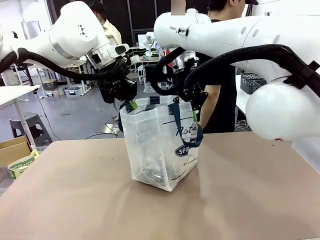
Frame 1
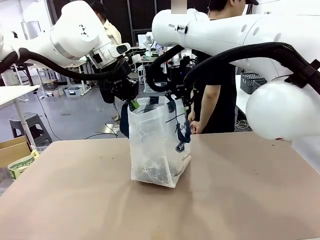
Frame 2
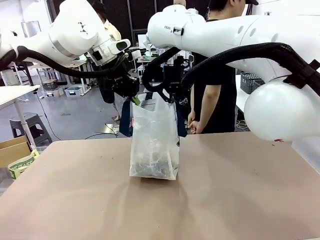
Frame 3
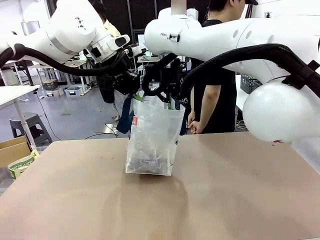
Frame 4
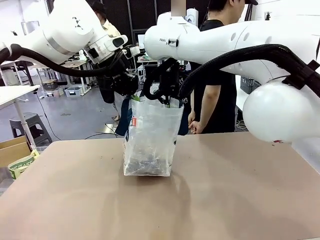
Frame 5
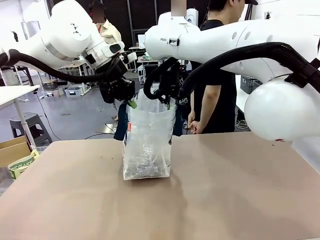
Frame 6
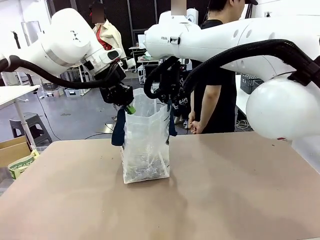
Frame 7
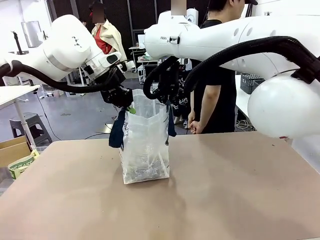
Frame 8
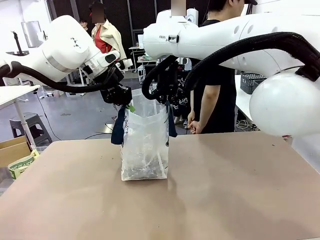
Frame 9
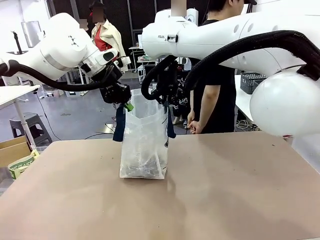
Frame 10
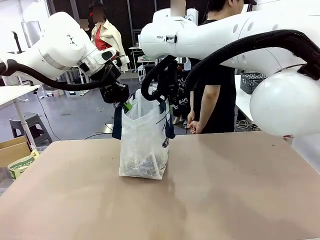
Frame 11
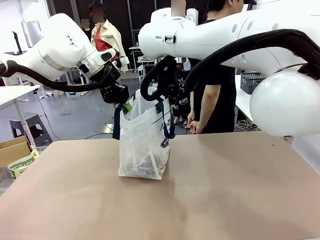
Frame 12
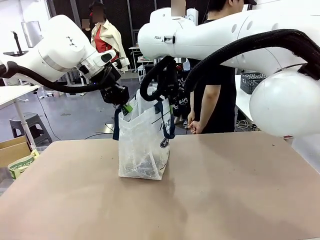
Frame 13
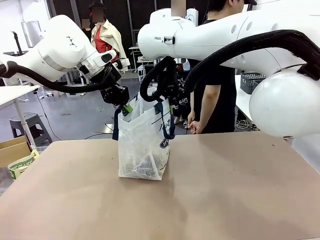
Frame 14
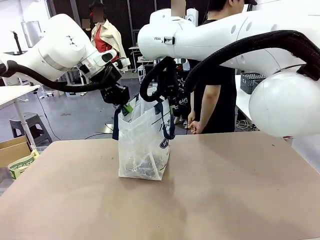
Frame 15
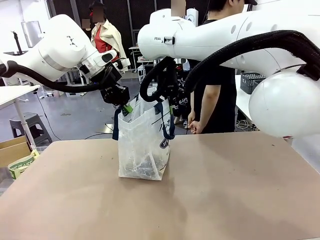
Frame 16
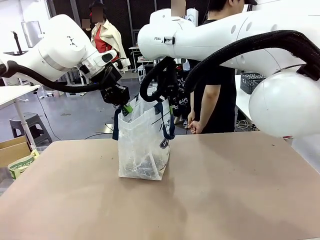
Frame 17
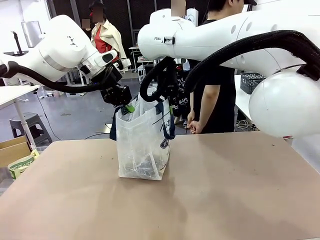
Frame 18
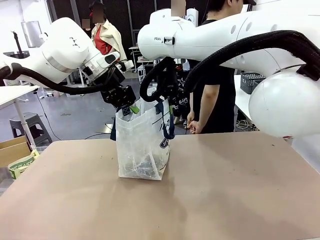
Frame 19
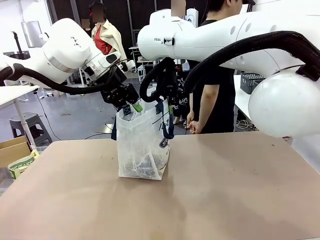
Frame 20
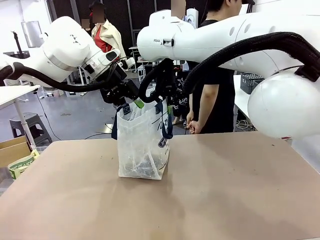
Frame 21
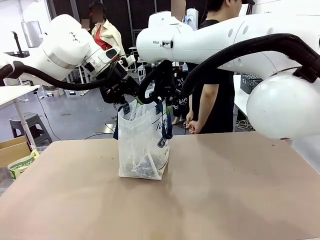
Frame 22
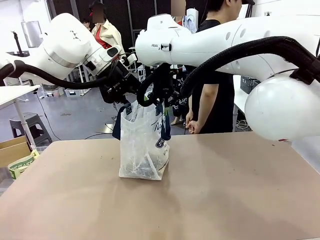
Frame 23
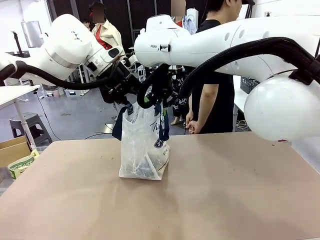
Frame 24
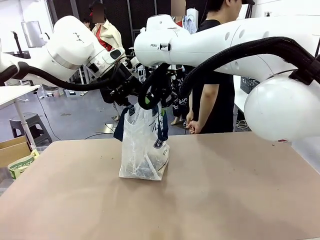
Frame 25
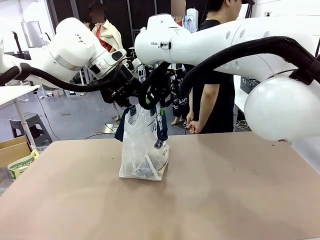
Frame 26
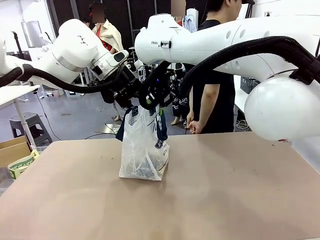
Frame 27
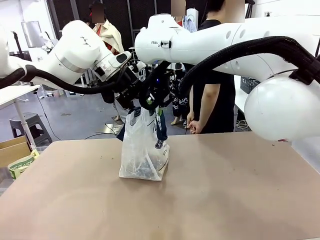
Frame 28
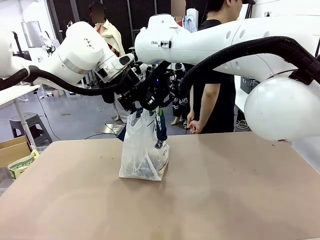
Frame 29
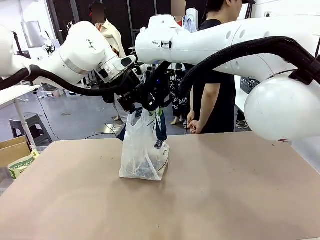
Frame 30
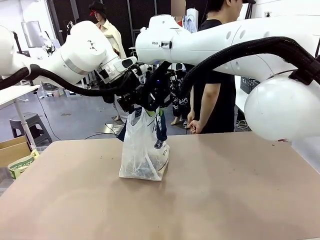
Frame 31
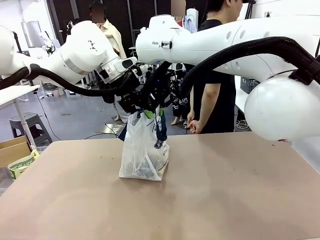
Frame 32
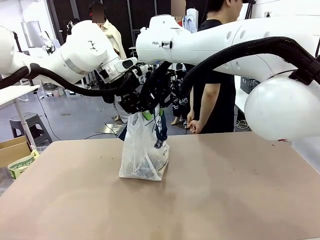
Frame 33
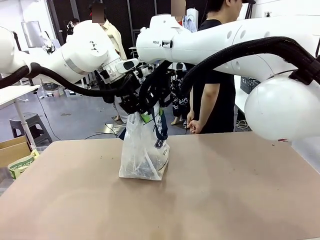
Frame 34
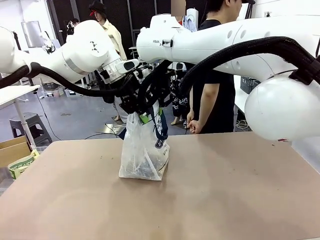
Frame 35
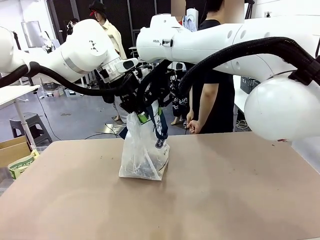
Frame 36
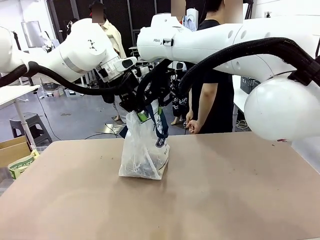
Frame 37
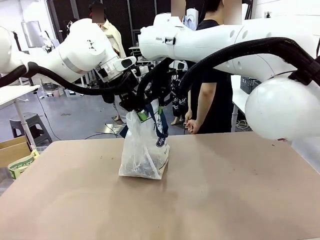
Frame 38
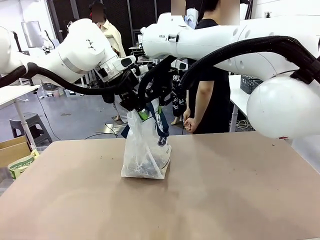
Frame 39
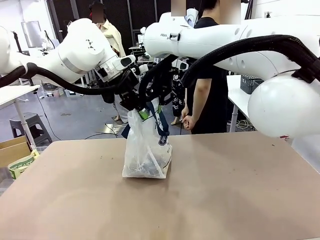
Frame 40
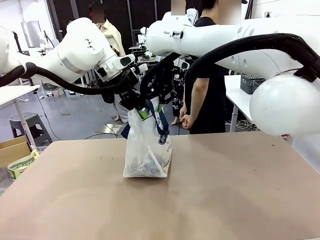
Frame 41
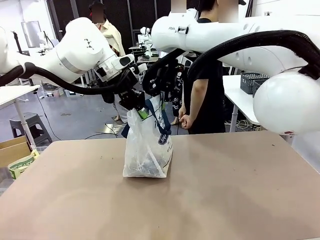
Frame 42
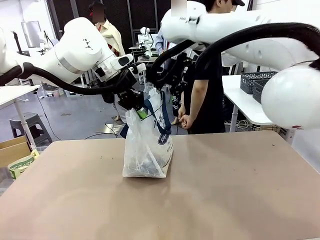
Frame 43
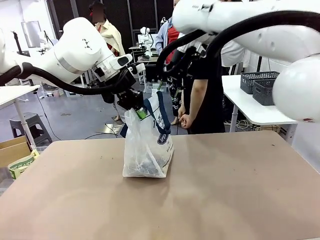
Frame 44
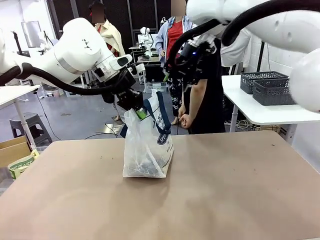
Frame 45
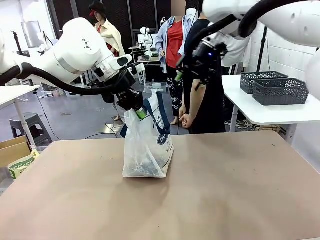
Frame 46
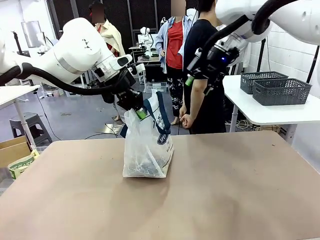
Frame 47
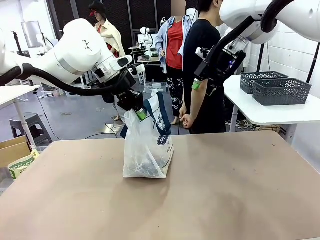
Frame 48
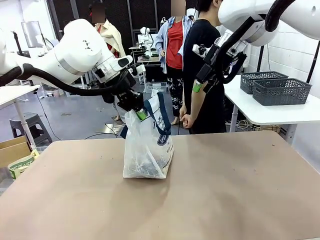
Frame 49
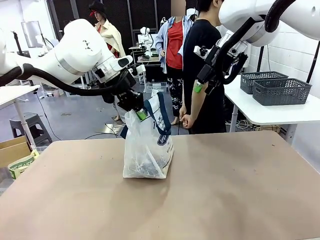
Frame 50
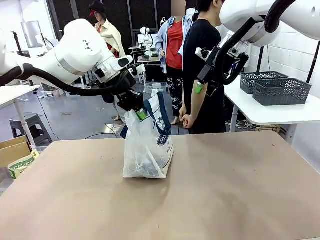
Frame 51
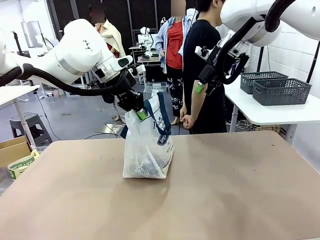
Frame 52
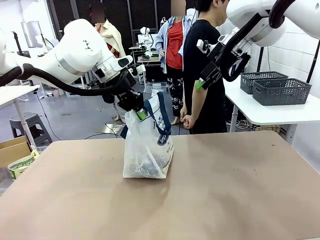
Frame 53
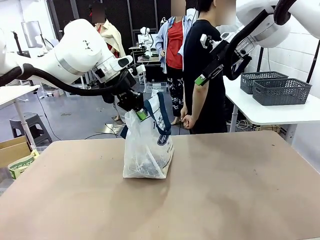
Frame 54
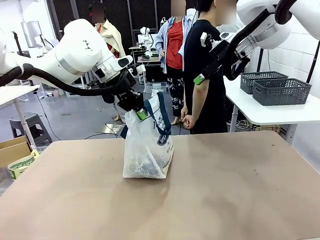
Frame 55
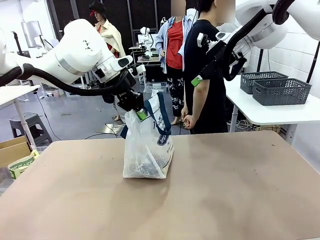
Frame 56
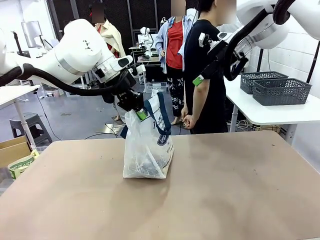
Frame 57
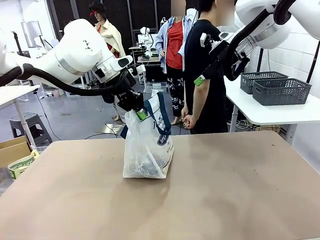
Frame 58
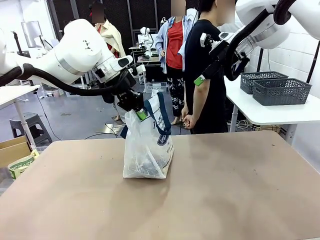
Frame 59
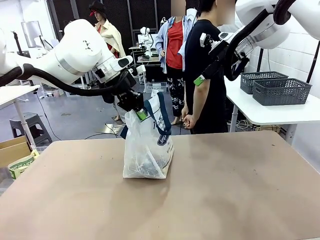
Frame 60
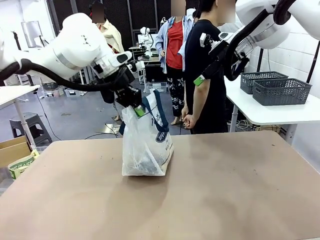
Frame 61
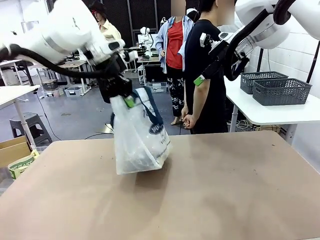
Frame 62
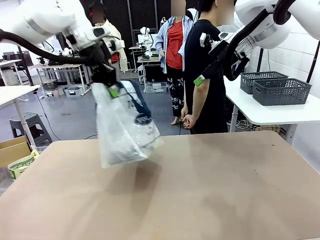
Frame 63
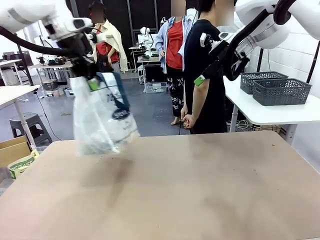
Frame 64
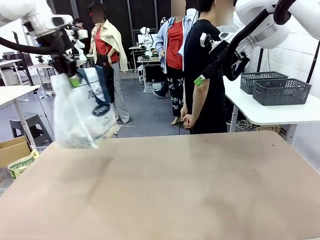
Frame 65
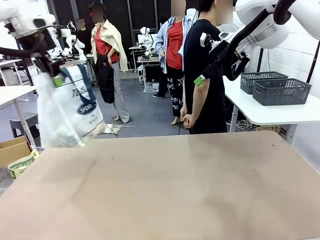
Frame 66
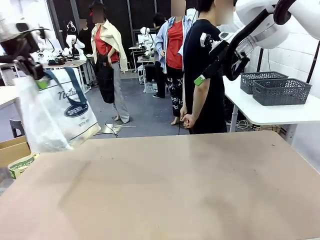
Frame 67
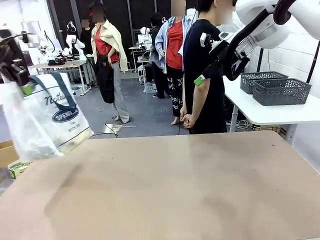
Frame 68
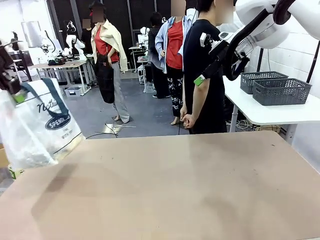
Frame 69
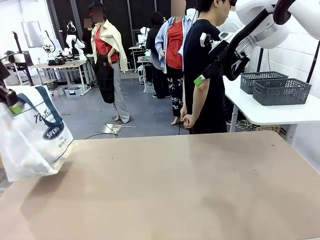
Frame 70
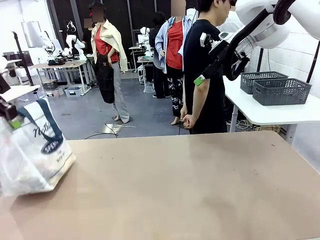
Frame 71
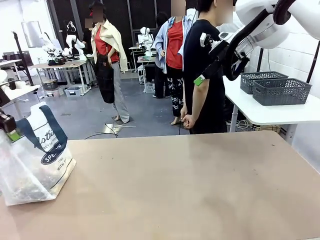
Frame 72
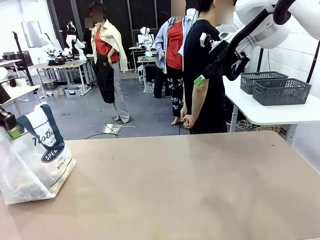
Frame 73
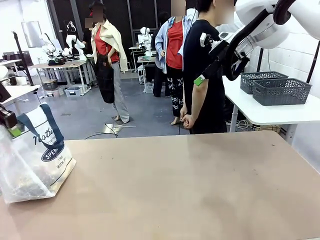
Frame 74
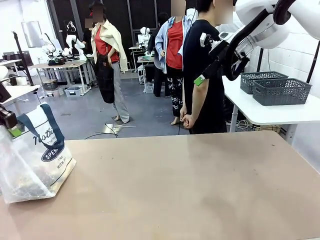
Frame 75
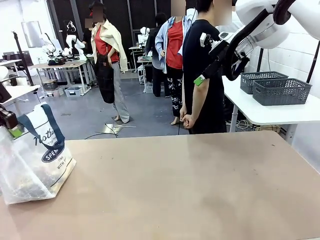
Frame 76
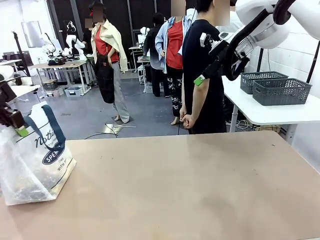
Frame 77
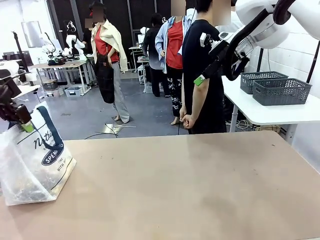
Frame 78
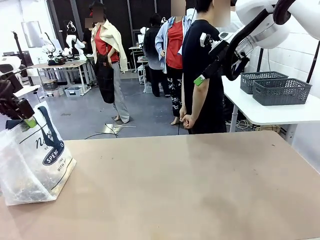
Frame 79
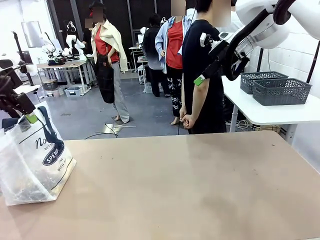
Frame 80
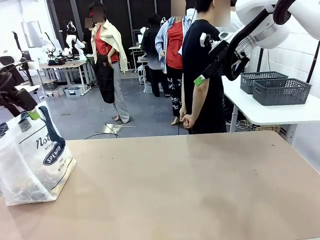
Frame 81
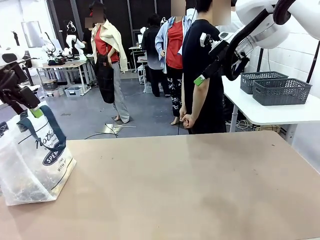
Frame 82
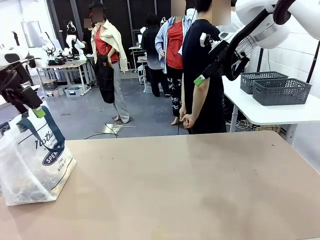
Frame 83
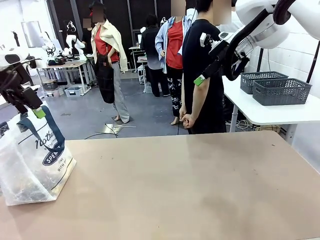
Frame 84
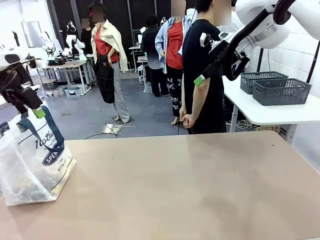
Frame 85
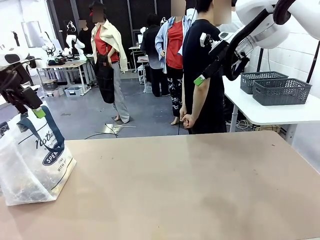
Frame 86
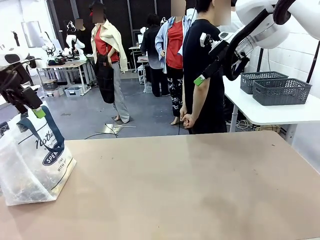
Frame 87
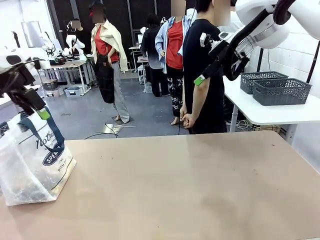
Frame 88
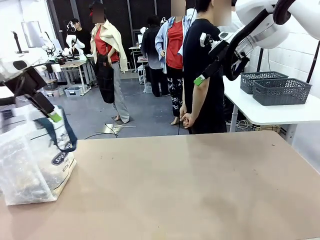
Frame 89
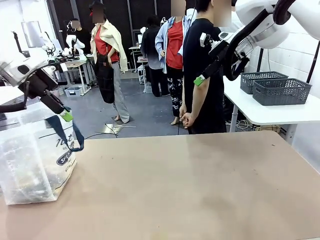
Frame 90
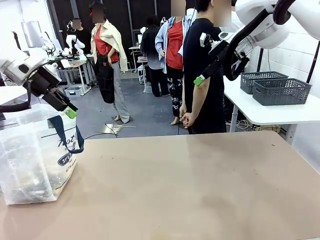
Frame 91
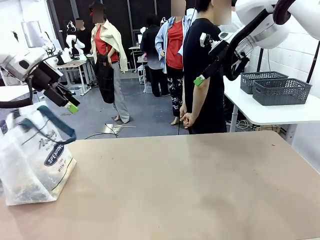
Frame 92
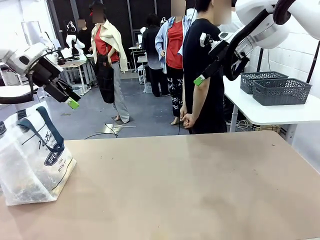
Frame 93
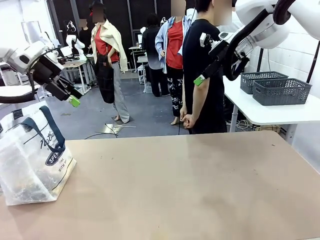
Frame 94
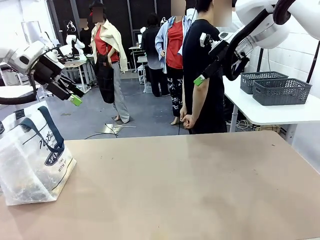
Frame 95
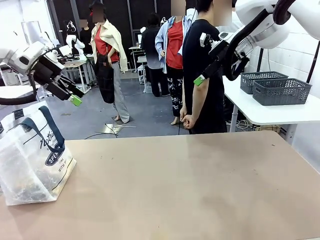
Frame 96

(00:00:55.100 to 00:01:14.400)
Task: Transfer purchased items from the store into the shopping bag.
Robot: Move the Reusable shopping bag to the right side of the table.
Person: Move the basket on the left to the middle of the person's table.
